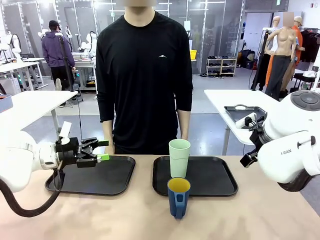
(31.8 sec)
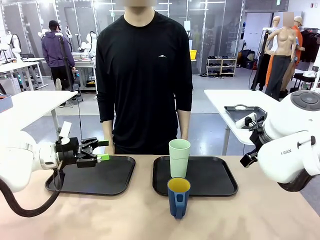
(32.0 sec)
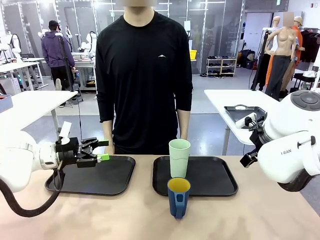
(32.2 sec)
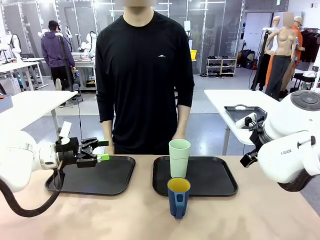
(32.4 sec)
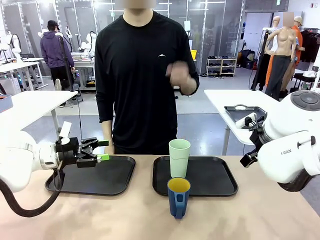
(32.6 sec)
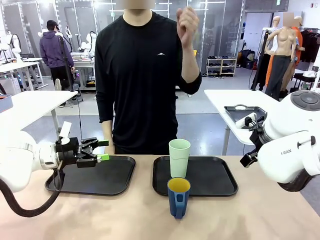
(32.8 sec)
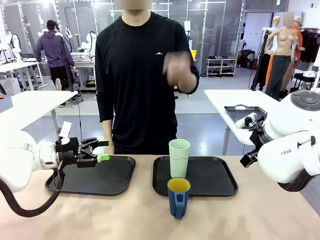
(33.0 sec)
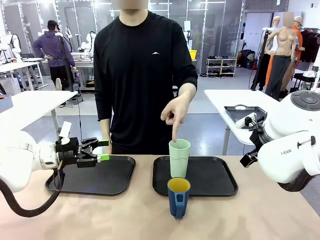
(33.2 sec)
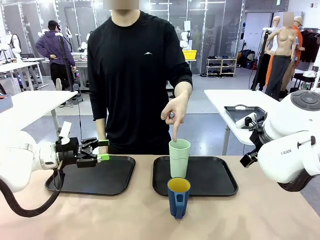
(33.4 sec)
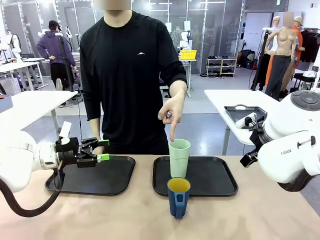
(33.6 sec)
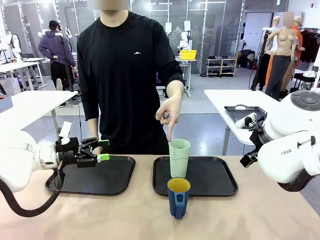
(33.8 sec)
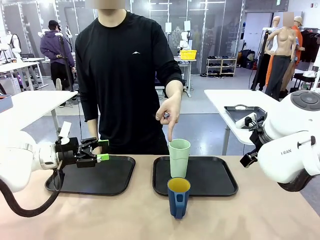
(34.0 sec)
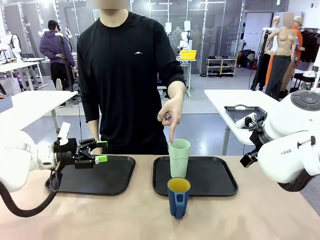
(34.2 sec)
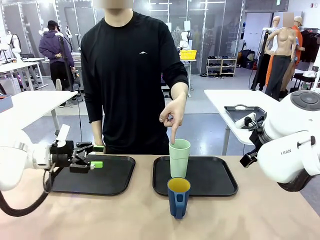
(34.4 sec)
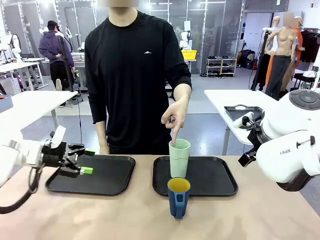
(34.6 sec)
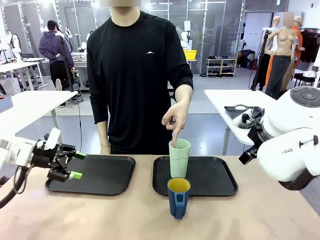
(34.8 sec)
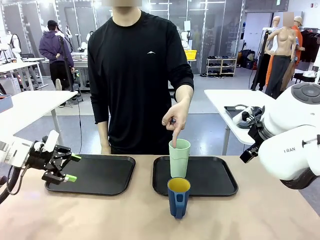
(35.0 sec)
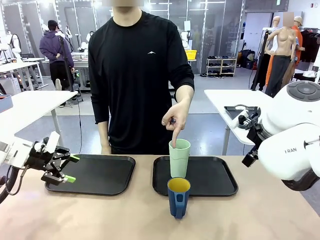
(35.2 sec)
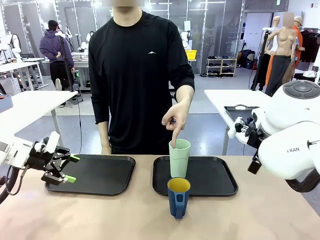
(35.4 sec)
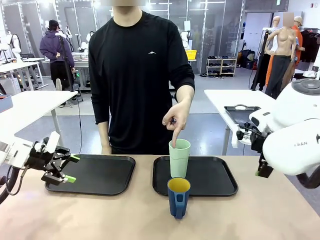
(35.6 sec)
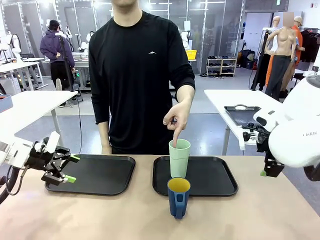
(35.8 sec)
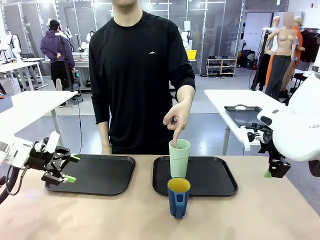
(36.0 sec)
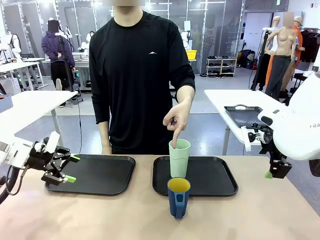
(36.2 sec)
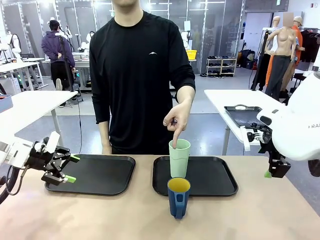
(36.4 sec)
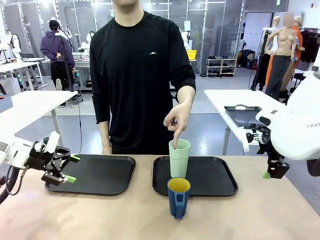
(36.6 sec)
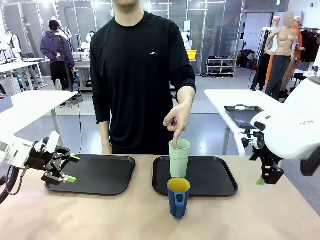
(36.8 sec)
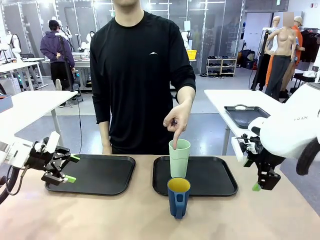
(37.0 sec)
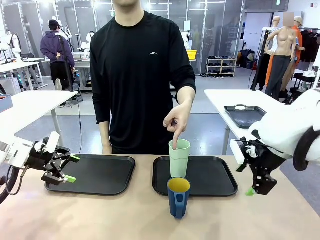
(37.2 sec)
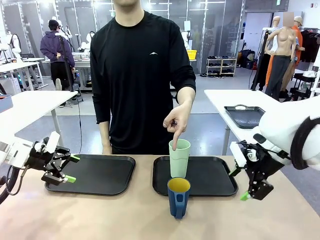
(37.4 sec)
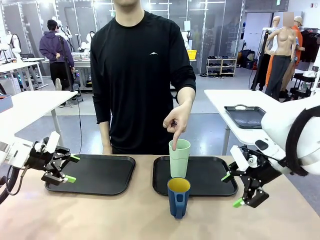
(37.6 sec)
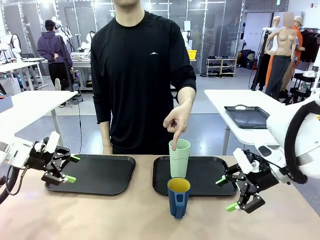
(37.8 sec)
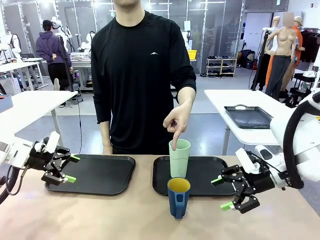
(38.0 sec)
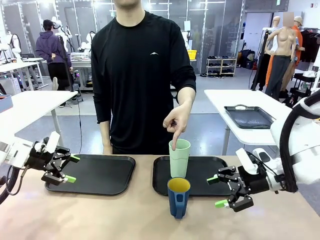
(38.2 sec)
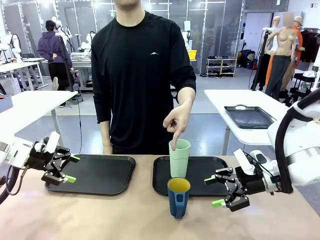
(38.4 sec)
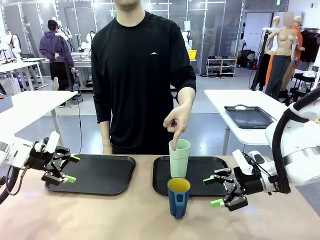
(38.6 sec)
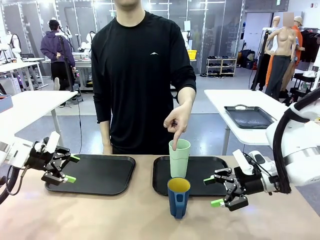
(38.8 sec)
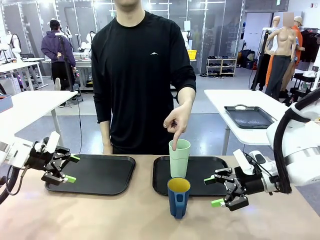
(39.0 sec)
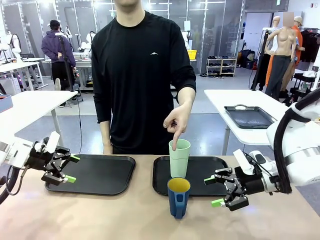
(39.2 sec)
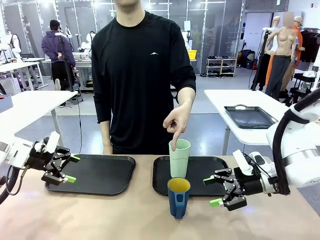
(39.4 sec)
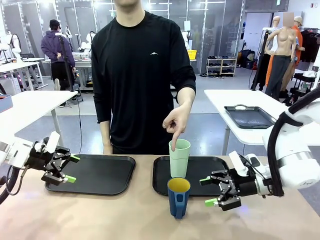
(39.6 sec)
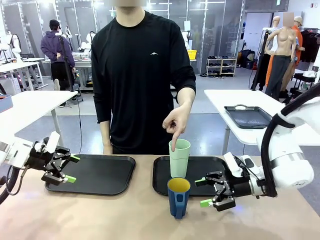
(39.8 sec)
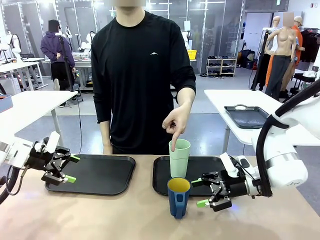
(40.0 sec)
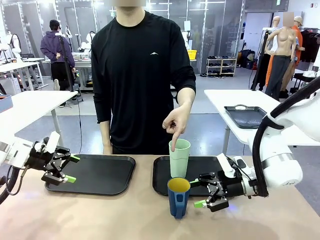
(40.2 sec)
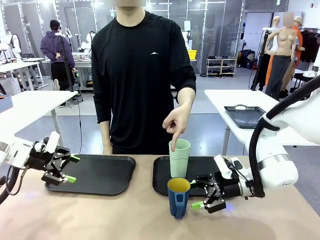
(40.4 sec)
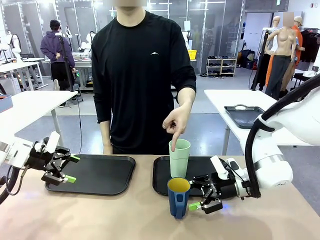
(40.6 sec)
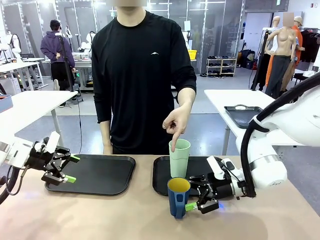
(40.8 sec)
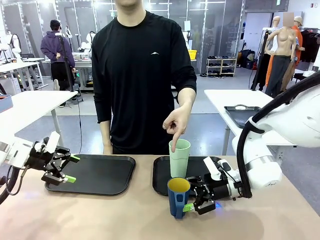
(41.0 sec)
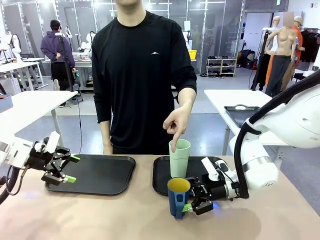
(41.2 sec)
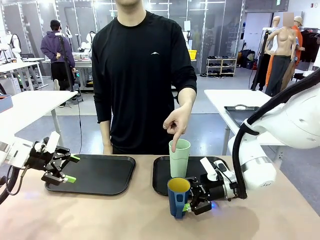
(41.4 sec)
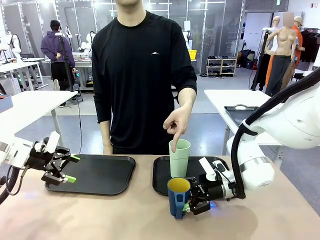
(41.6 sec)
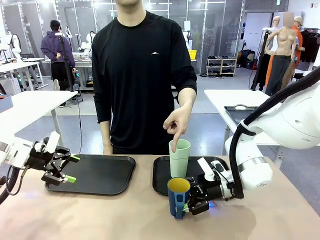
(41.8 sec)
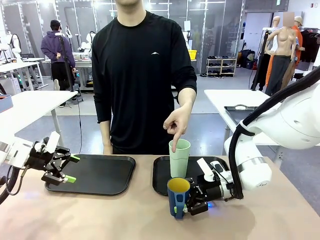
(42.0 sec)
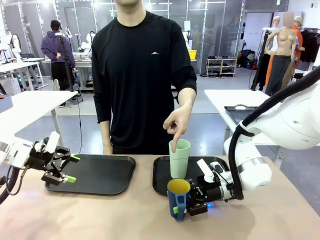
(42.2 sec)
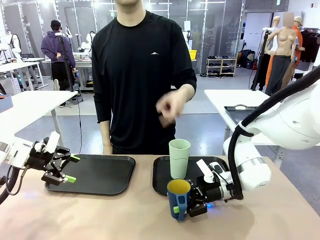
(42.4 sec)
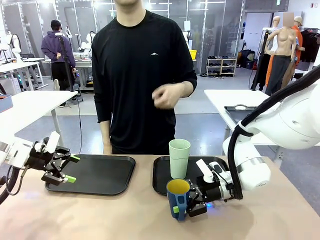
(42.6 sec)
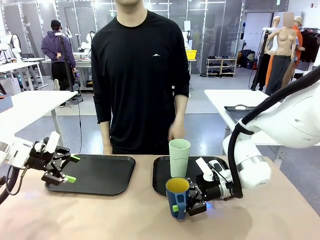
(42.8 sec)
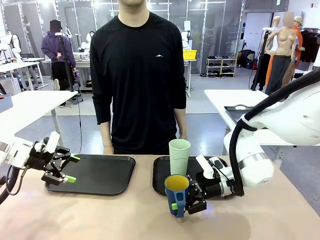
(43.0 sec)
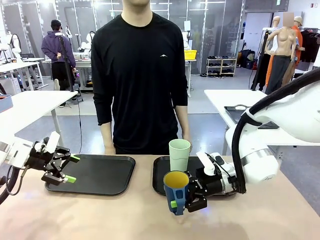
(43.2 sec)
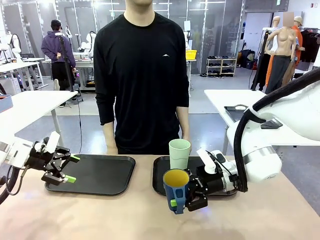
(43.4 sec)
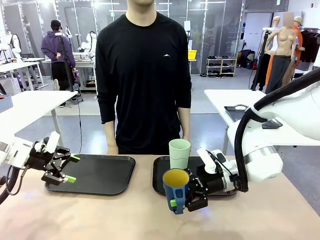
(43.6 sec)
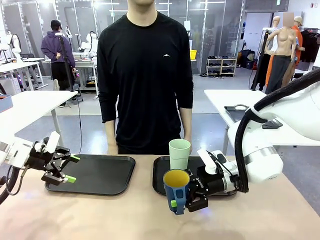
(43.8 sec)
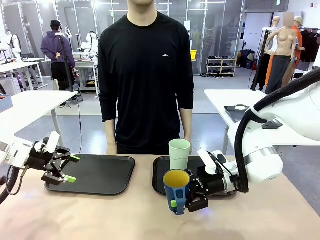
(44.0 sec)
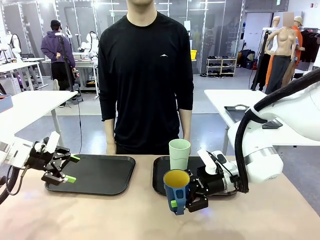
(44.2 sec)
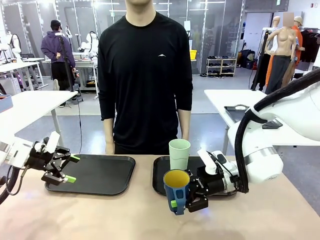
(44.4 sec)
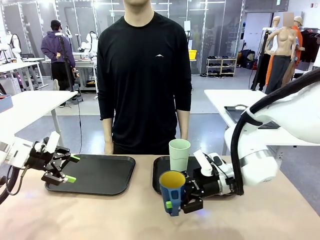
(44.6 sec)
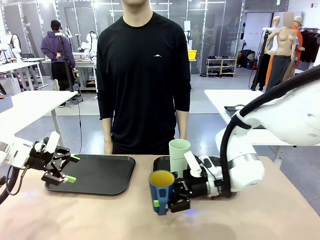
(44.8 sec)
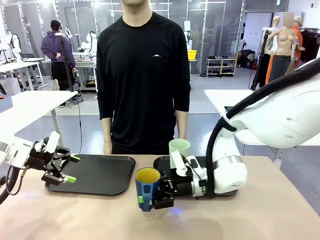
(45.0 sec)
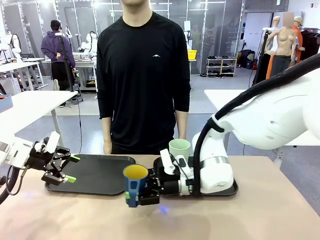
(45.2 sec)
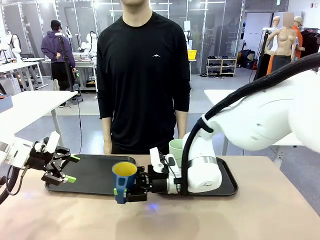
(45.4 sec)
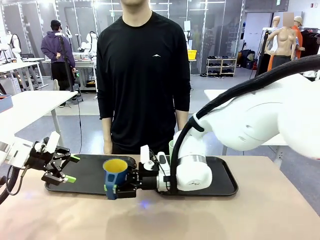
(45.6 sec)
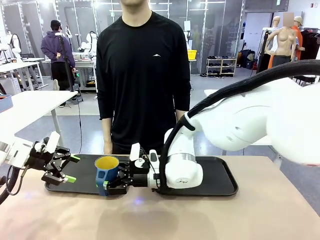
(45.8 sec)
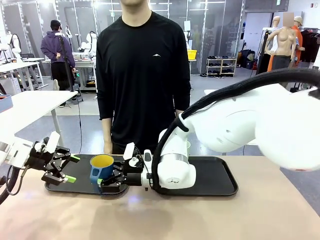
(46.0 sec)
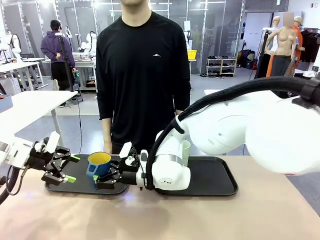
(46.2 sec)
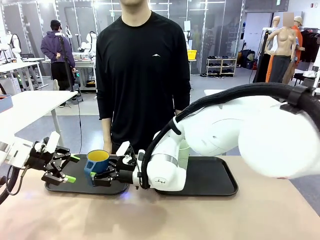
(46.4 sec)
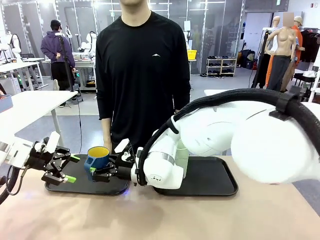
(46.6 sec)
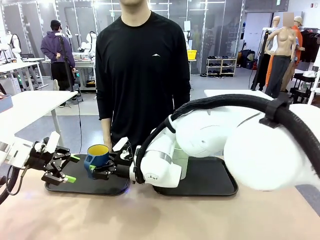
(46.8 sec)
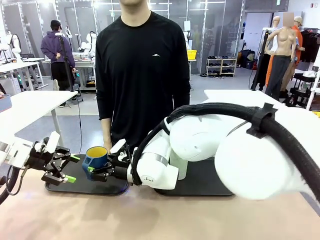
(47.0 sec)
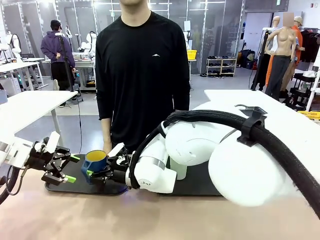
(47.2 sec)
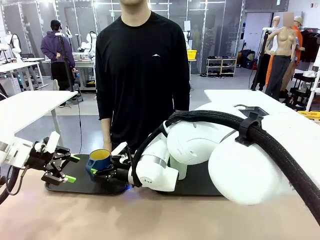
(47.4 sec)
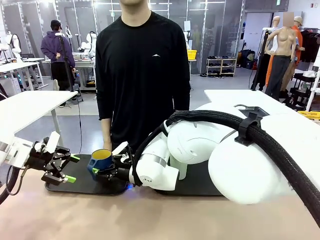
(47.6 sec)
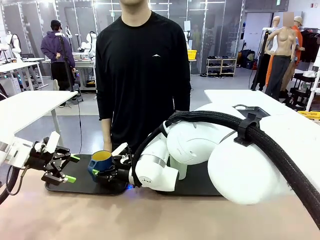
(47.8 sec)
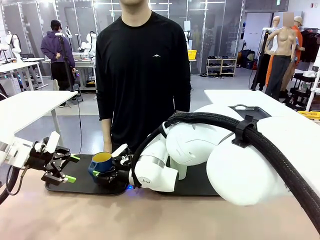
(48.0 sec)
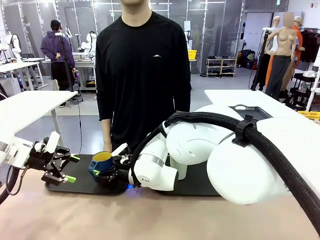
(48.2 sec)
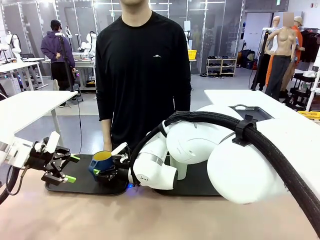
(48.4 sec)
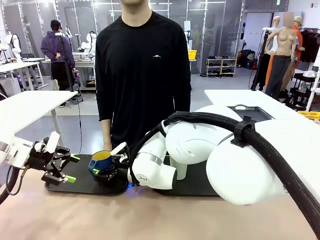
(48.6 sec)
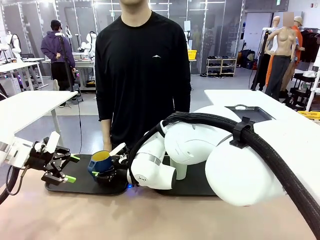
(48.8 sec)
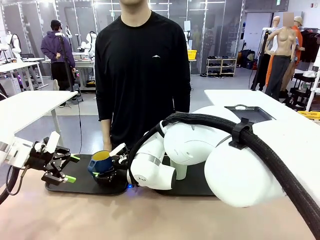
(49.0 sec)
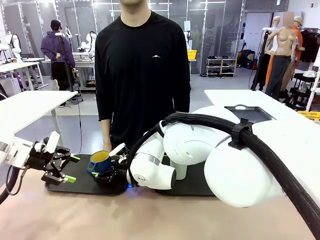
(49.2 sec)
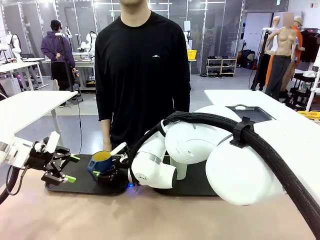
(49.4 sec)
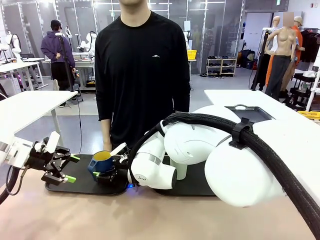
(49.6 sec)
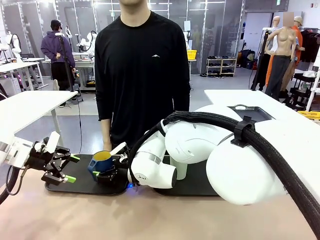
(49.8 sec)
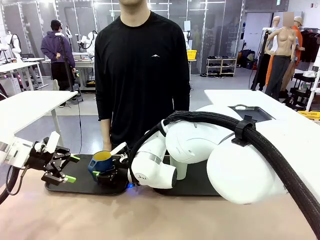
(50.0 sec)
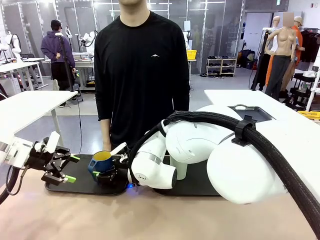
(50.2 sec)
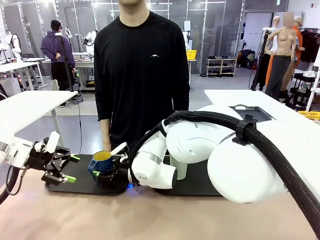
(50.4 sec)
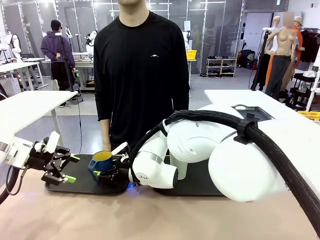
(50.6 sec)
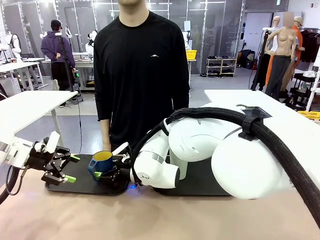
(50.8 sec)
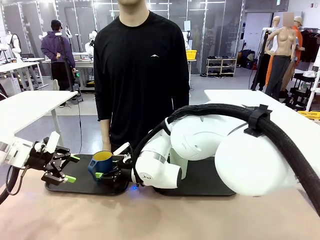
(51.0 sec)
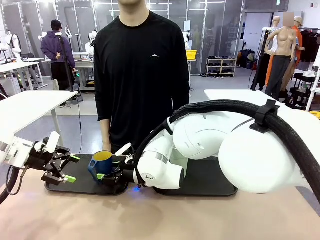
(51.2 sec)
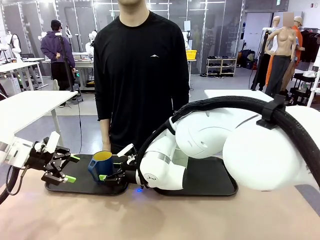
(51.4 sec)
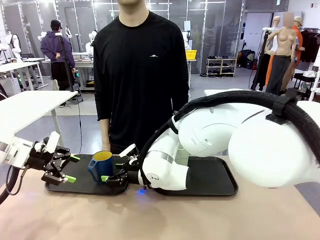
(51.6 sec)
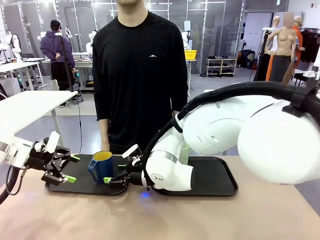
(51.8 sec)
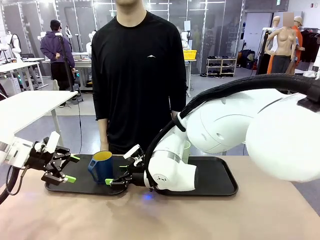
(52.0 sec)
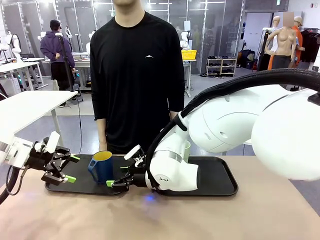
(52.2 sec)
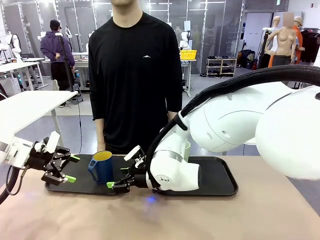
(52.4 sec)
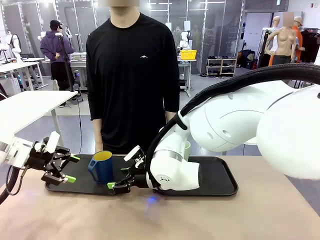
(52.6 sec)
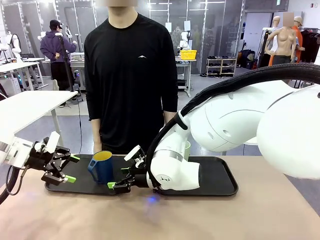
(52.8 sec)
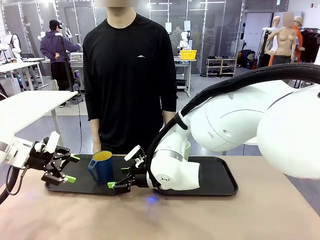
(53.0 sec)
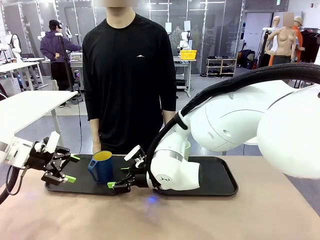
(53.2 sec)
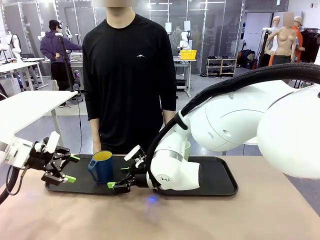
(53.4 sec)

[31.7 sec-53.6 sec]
Task: Sort and store the cups by type.
Robot: Pick up the Handle plastic cup and place it into the empty Flat Tray.
Person: Points to the cup with a handle.
